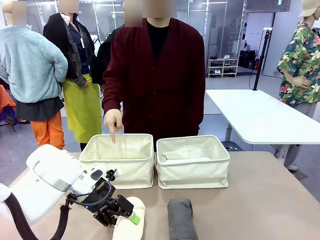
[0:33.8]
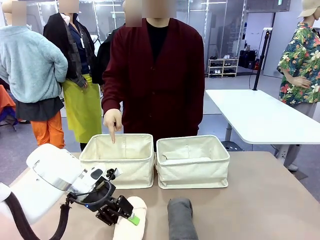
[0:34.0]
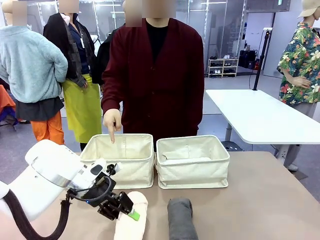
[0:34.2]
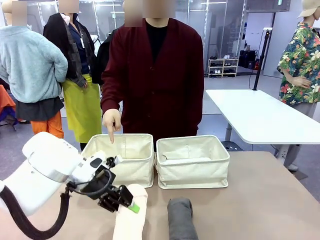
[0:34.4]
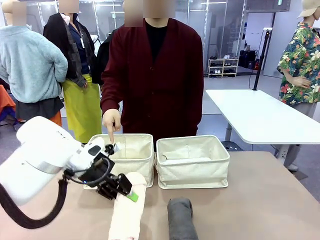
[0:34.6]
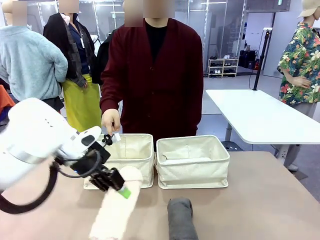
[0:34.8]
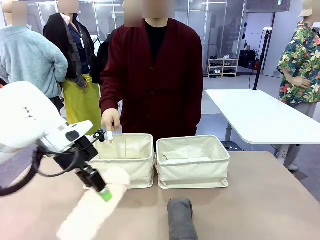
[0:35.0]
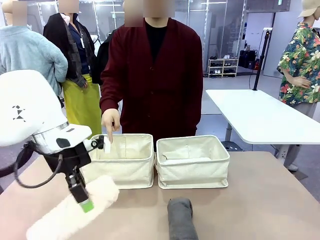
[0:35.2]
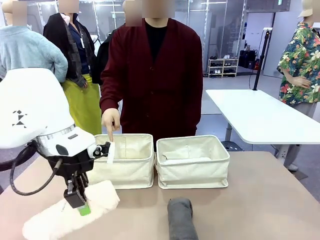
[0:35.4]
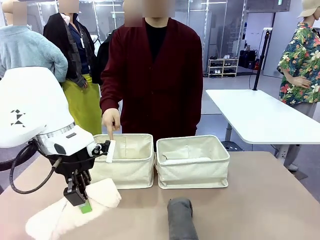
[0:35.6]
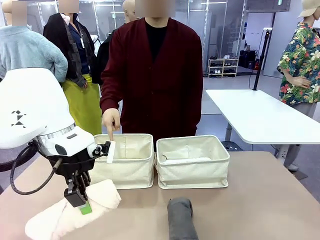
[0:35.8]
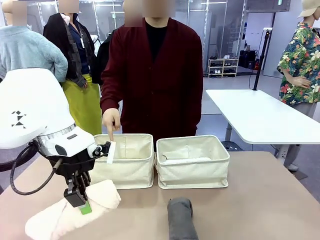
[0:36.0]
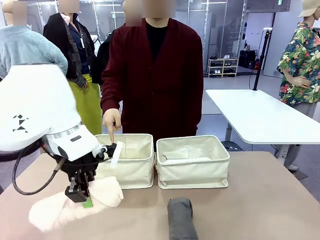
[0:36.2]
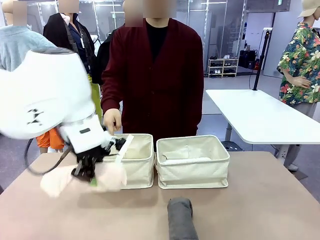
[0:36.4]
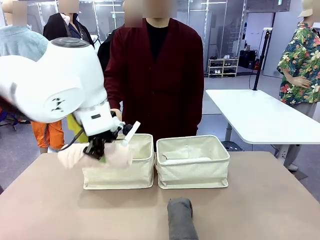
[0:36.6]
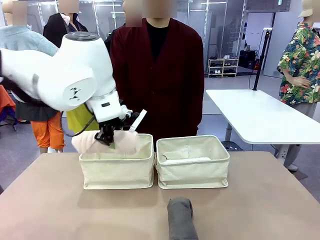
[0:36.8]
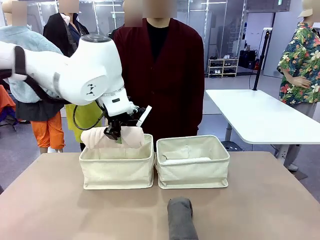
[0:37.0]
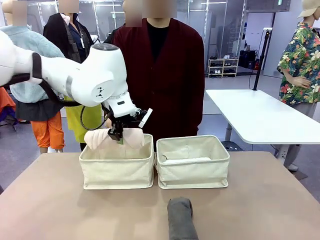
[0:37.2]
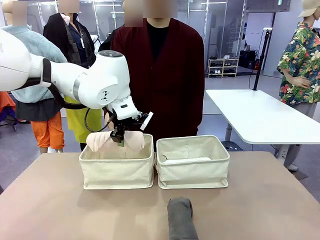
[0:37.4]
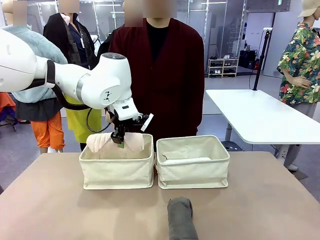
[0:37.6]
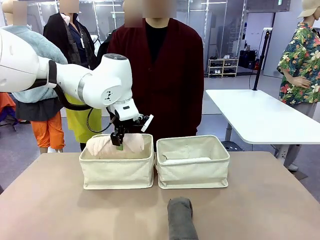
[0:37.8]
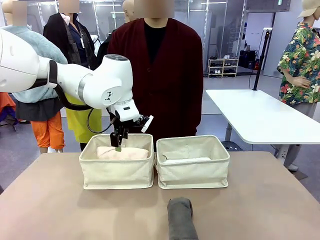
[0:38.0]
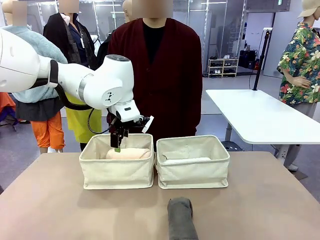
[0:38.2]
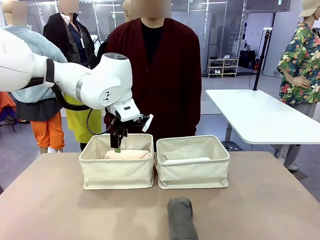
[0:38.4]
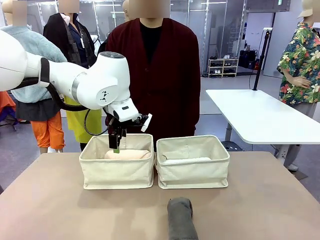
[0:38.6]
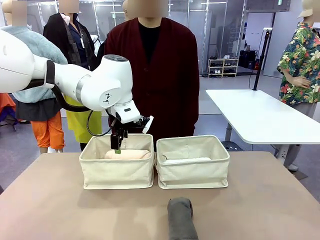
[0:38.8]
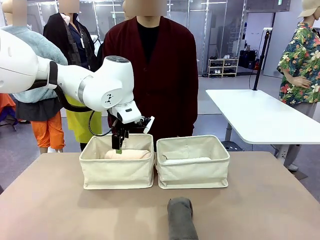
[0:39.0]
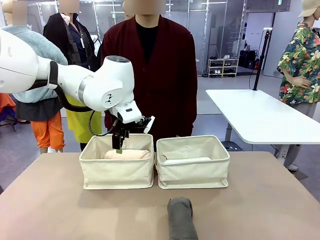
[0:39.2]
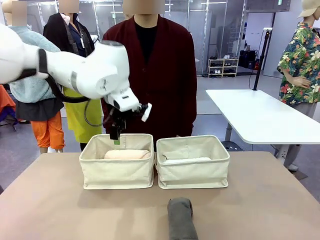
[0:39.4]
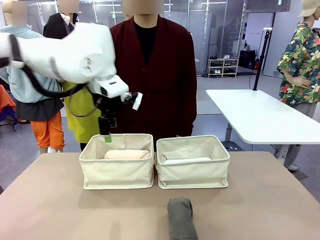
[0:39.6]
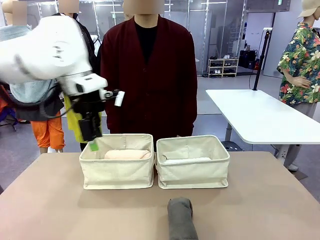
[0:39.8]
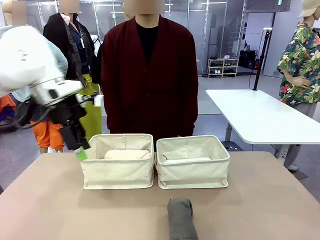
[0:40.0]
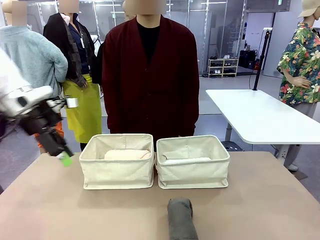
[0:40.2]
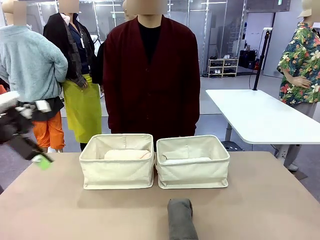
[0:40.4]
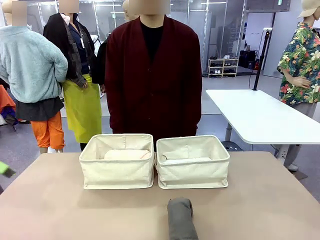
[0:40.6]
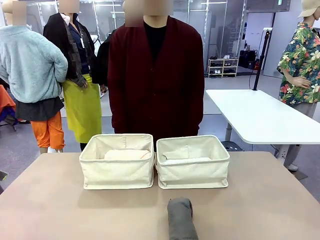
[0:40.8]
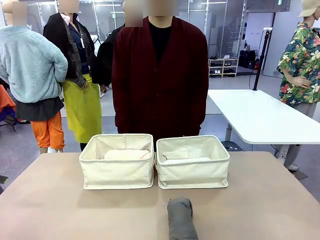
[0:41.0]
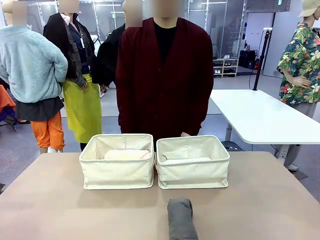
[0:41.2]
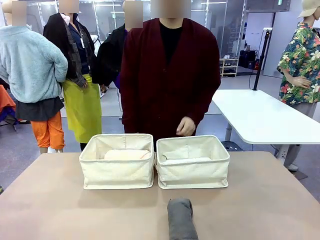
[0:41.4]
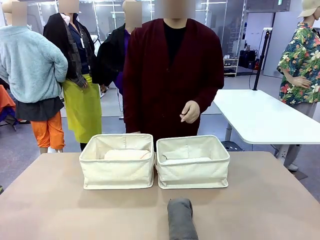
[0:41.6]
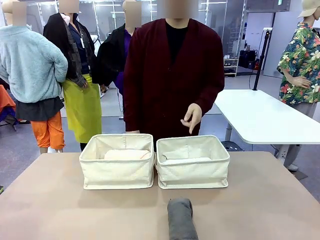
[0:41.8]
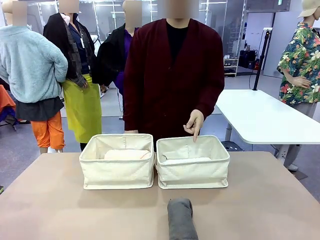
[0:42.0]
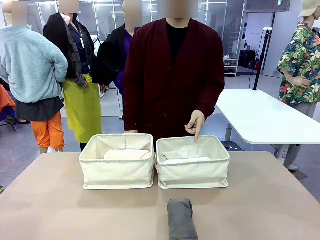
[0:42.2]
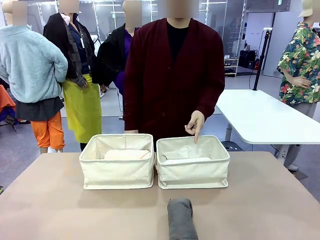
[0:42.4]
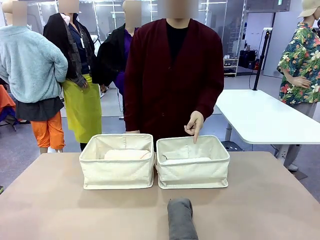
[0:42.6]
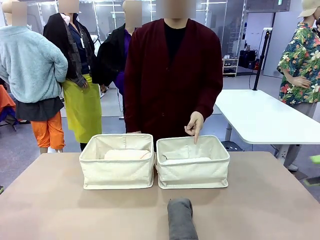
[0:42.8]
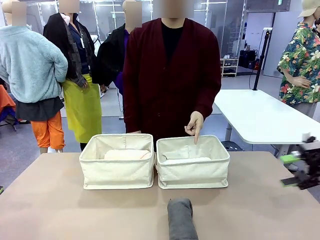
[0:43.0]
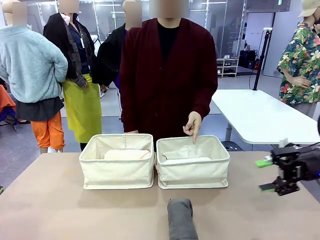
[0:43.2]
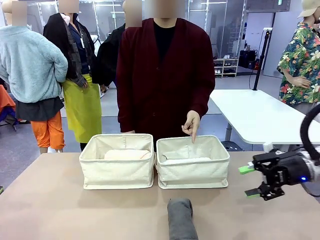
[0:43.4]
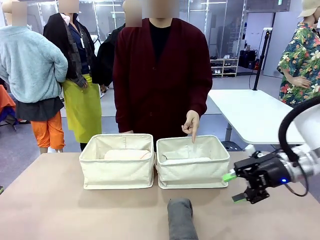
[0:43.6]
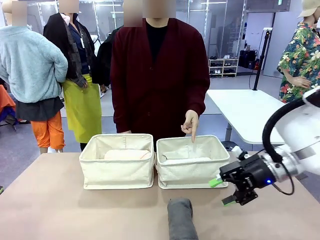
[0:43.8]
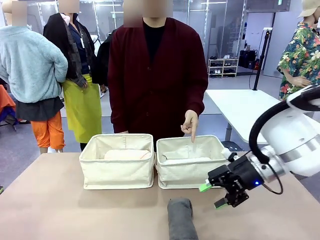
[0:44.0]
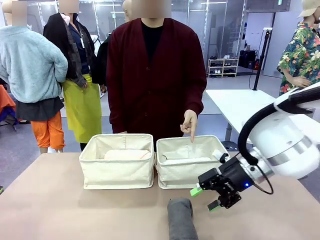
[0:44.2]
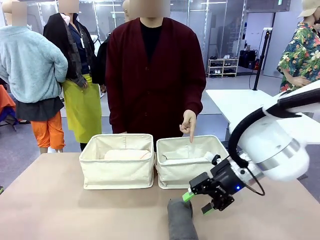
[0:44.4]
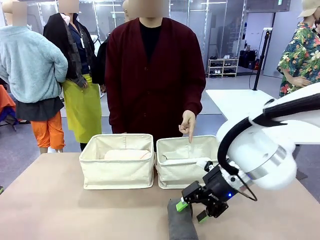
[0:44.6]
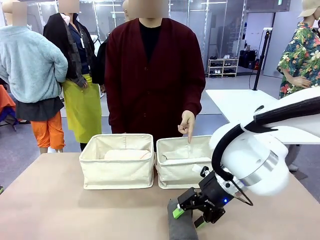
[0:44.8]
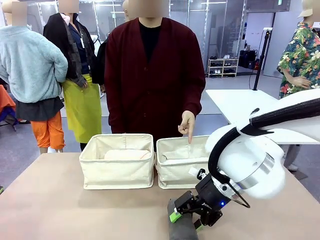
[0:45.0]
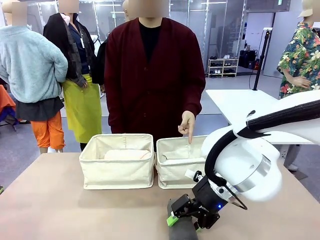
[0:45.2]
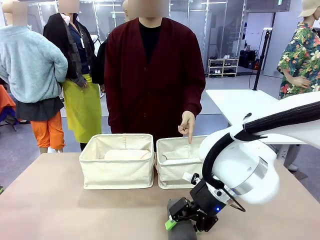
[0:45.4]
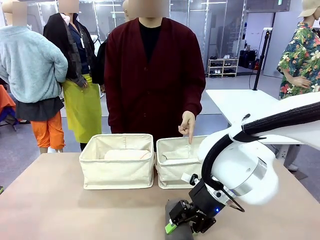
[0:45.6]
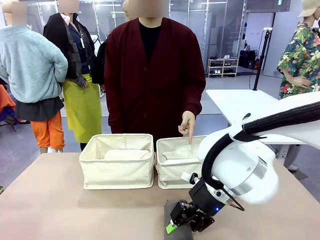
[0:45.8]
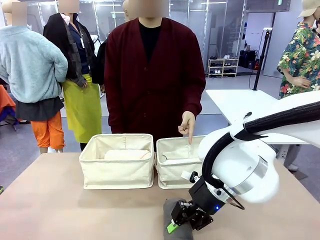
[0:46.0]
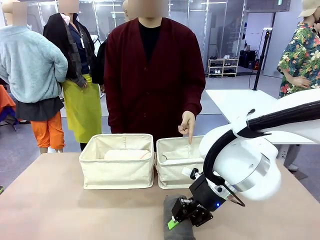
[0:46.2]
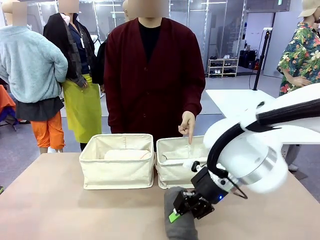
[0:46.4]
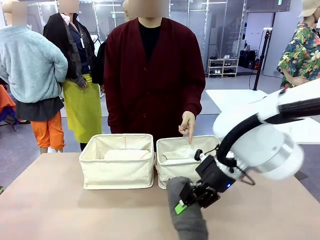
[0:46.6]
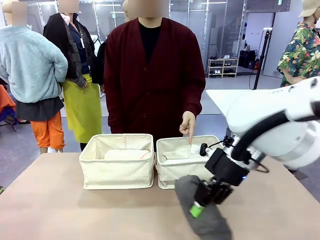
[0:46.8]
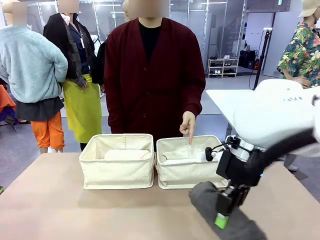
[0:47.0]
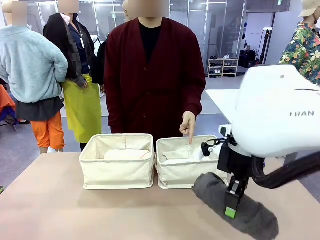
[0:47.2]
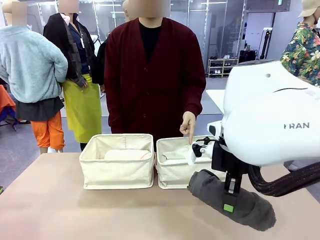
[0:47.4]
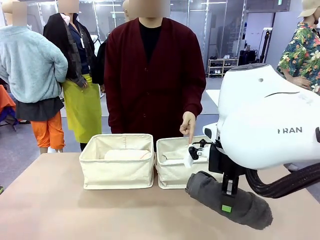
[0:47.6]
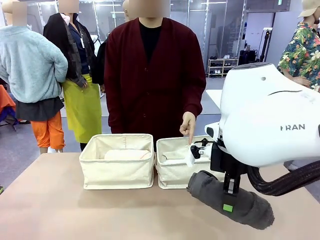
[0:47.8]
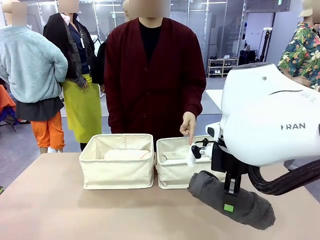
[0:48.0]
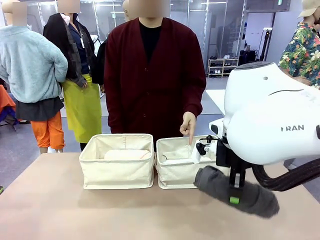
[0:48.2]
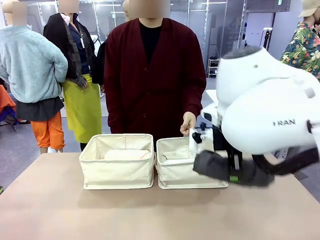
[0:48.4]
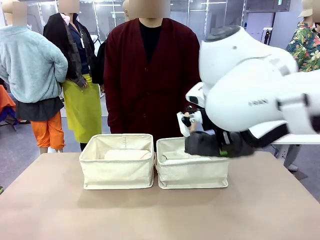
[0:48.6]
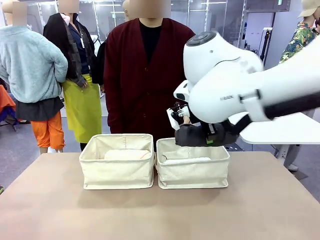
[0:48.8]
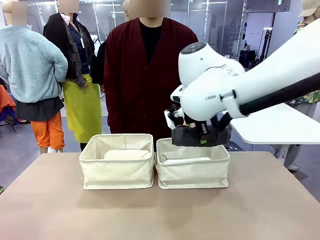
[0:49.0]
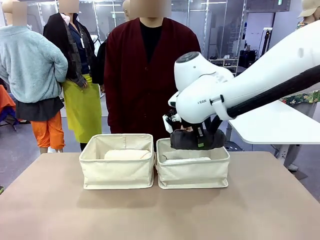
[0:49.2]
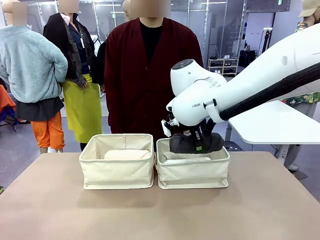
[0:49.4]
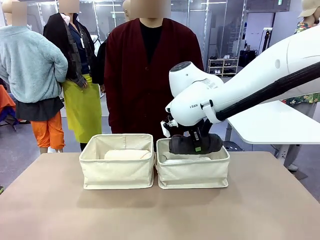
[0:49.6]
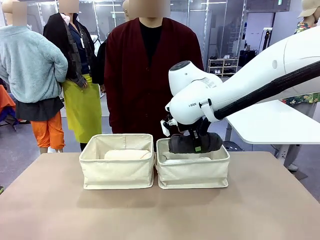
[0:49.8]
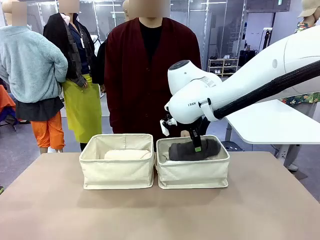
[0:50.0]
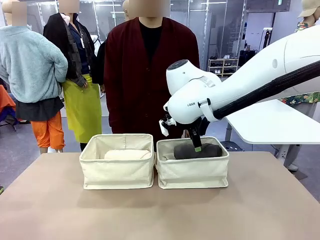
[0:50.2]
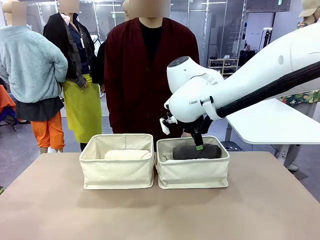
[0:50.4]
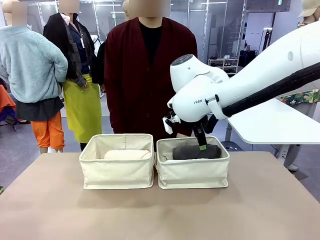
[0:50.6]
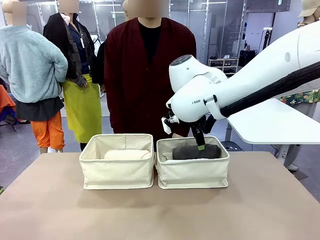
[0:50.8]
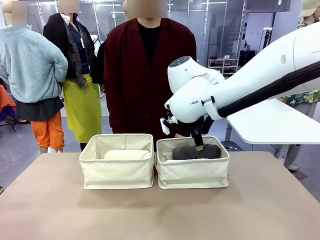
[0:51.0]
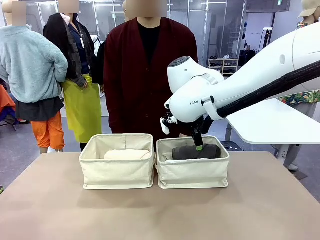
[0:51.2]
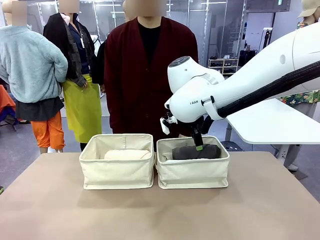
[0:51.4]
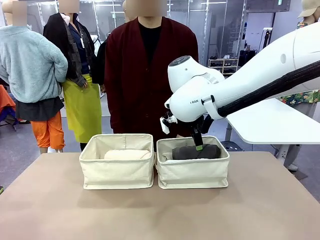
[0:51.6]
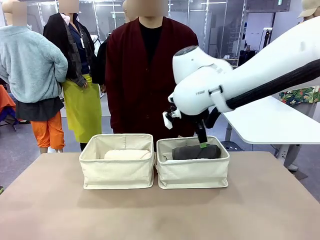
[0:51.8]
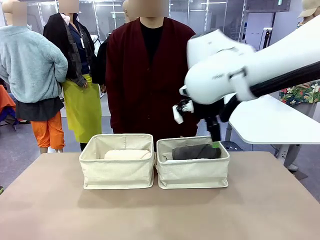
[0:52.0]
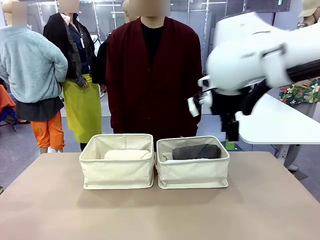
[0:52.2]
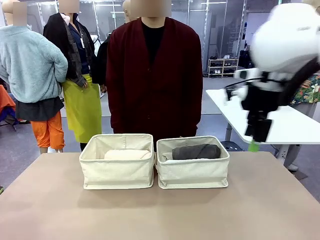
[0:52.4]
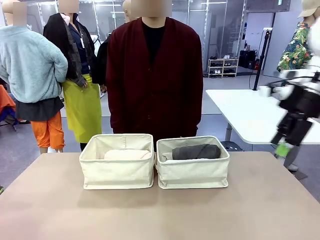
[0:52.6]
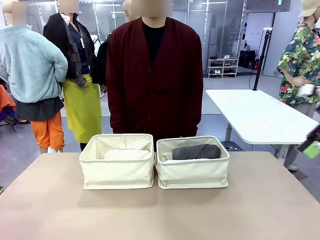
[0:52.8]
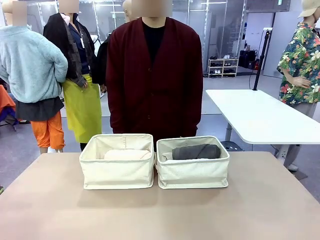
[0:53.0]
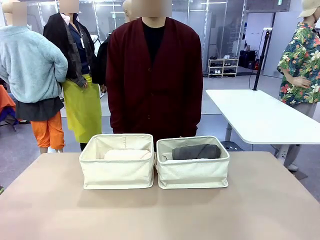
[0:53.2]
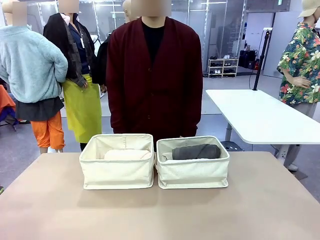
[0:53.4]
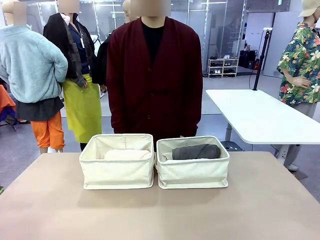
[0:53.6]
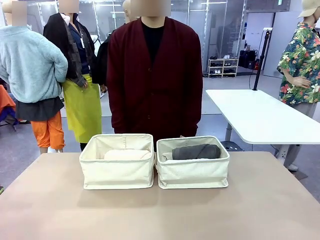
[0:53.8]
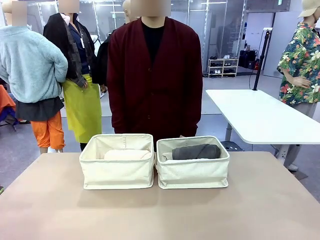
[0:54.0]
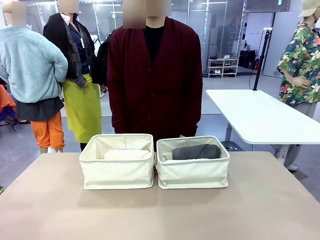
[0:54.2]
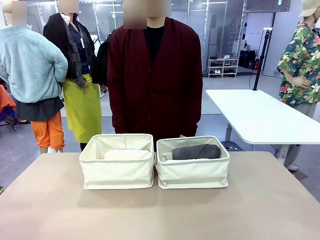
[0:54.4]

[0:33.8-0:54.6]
Task: Divide the towels into two baskets.
Robot: Pick up one hotel-folded towel from the bottom of the table and place it in the Fabric basket indicated by the person.
